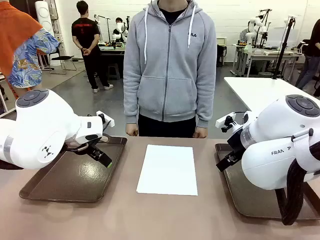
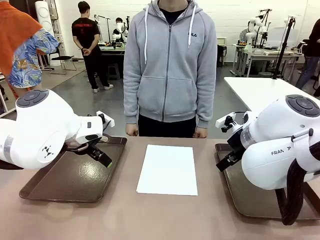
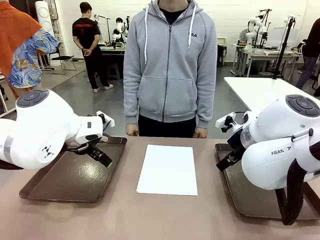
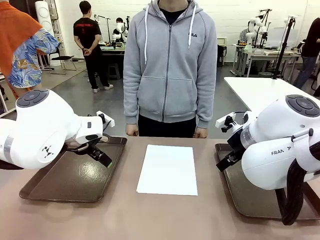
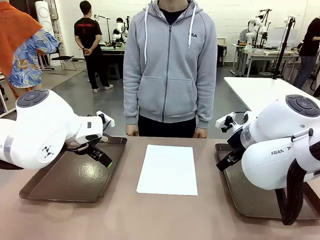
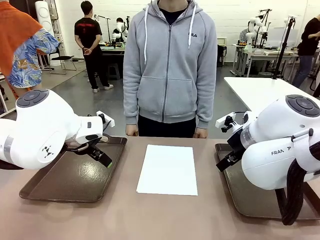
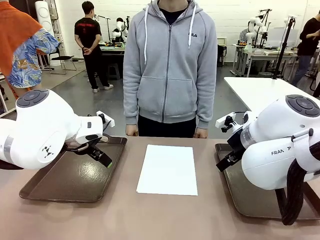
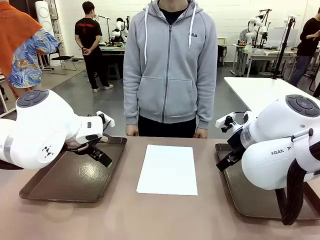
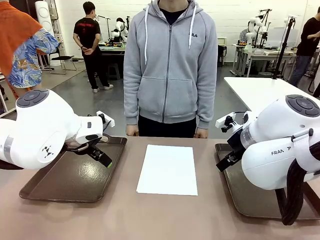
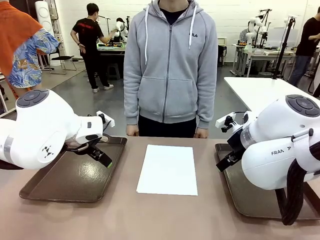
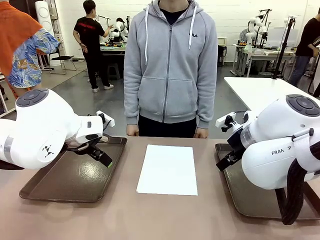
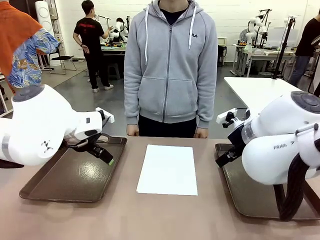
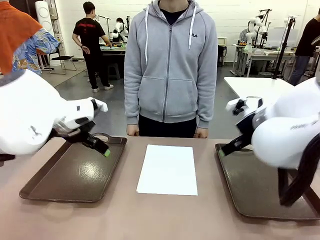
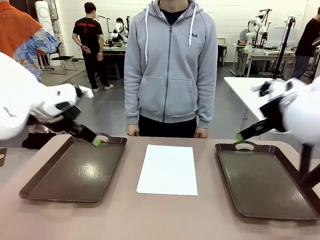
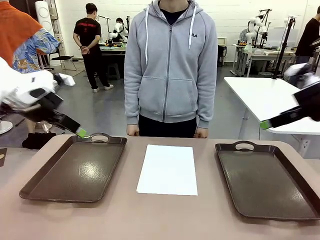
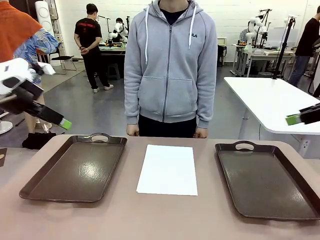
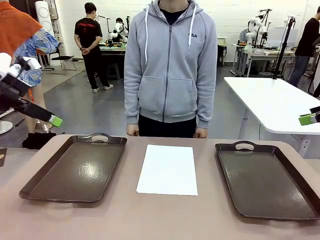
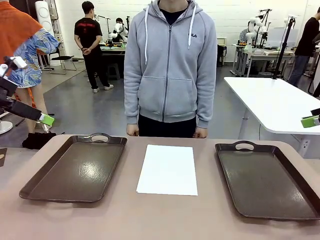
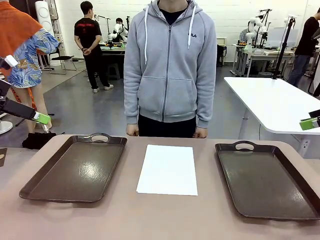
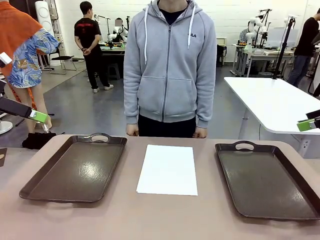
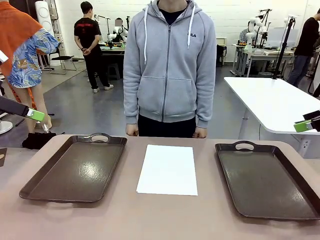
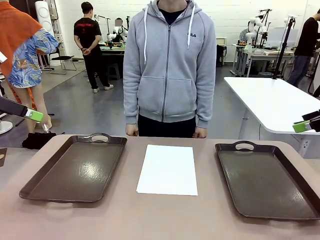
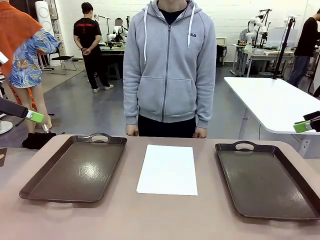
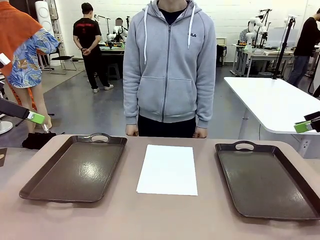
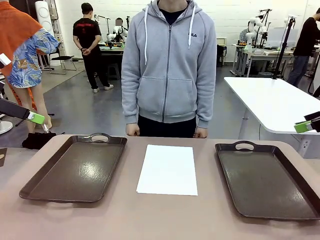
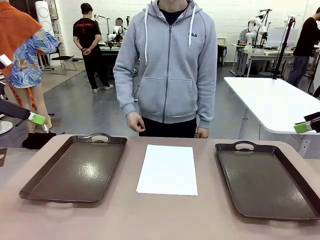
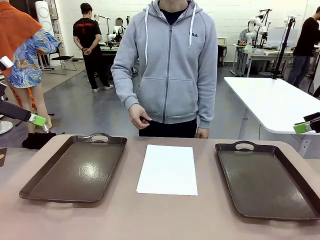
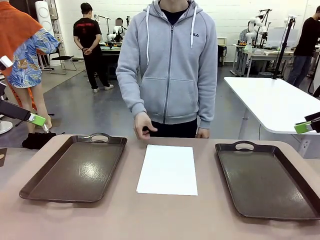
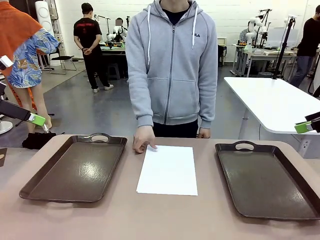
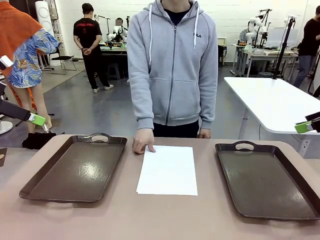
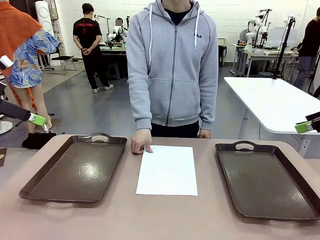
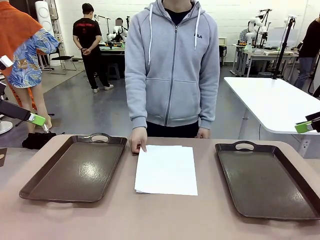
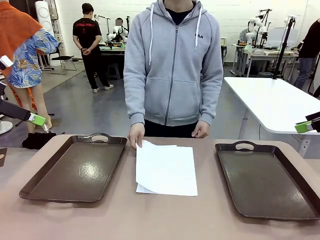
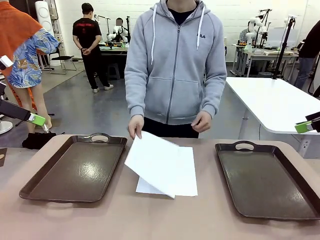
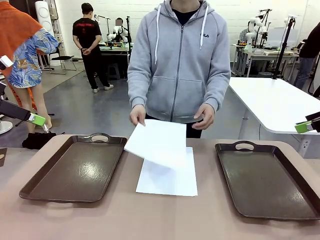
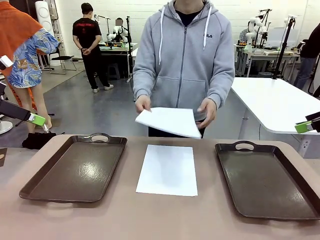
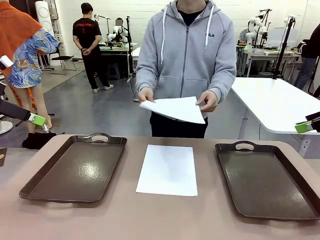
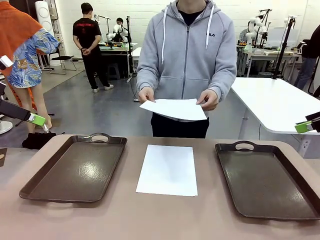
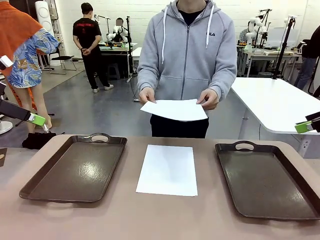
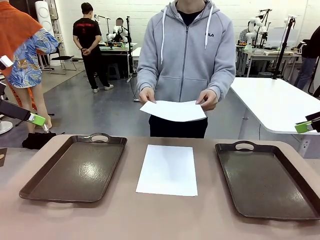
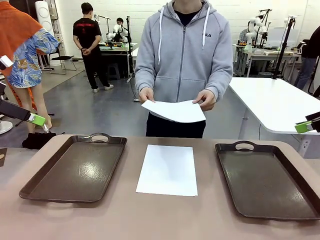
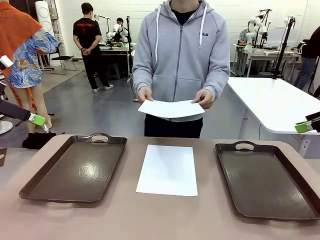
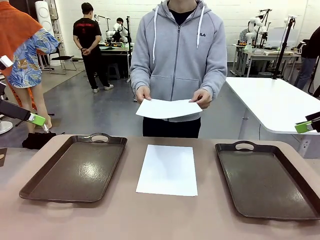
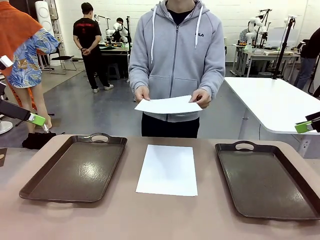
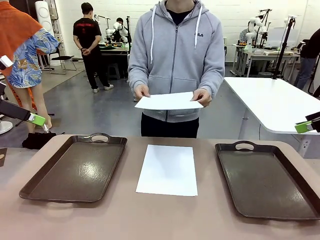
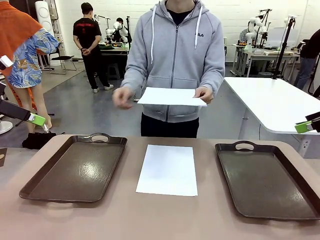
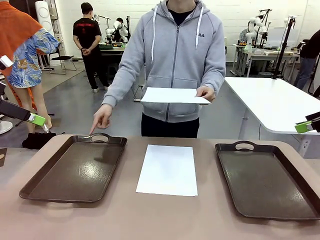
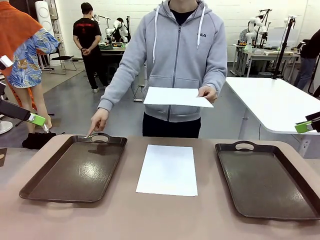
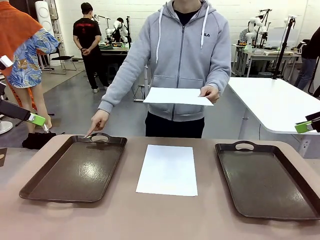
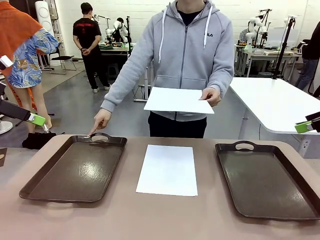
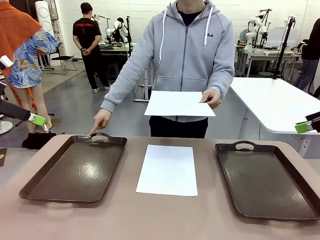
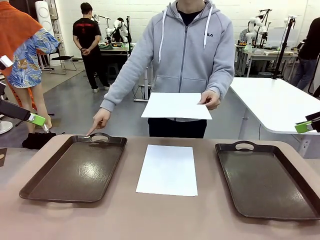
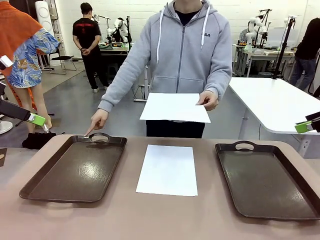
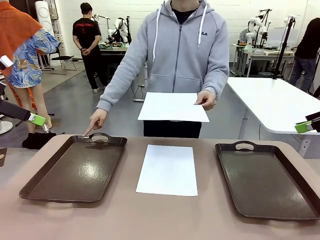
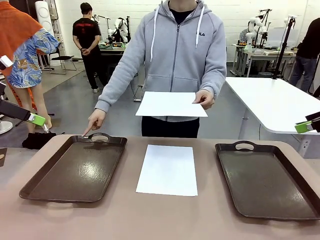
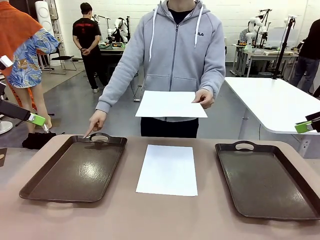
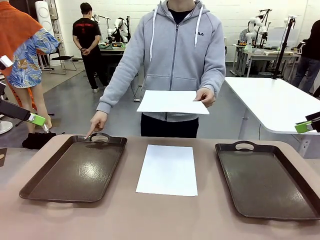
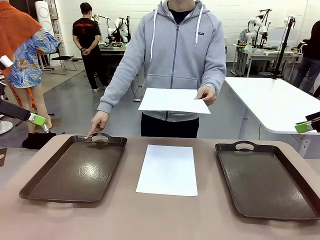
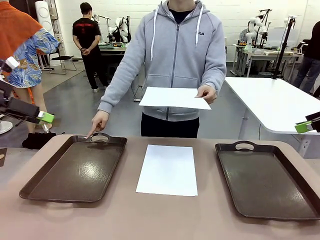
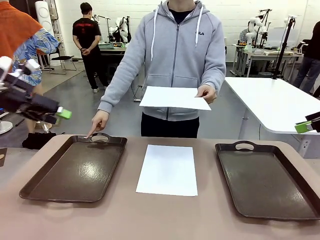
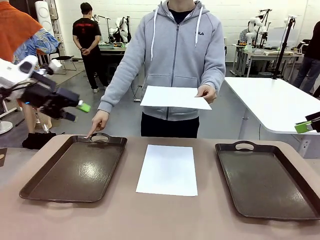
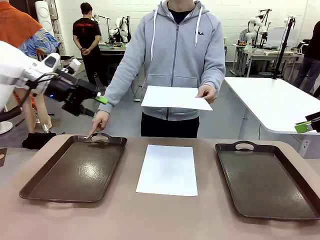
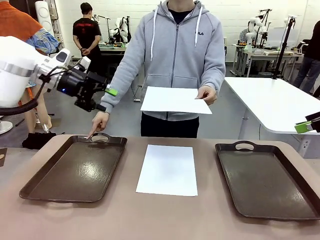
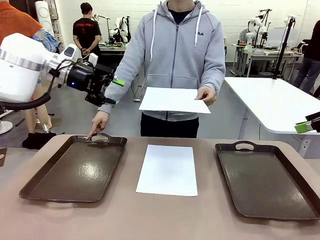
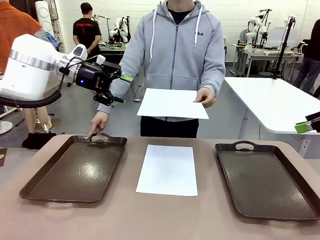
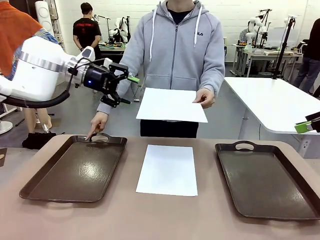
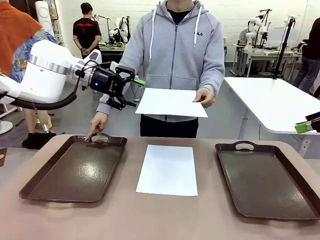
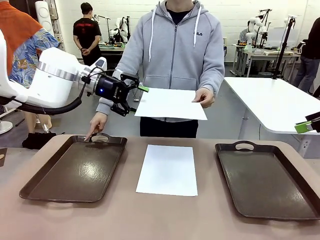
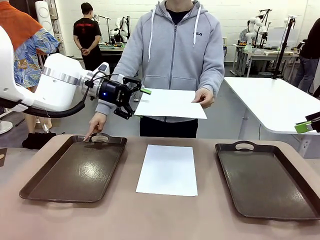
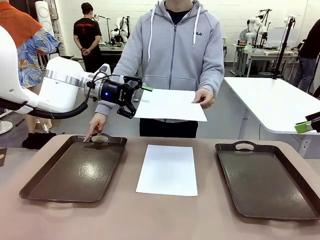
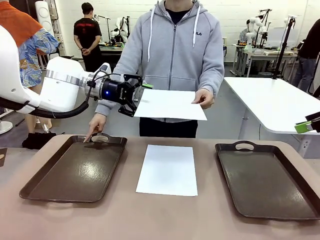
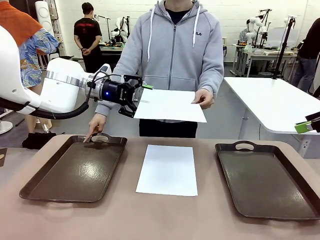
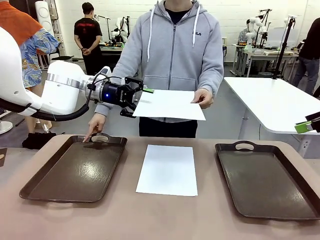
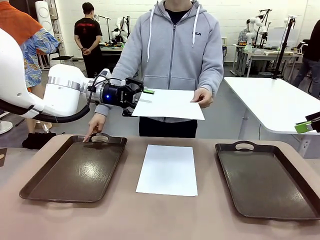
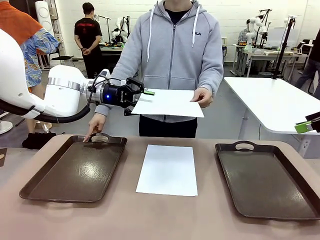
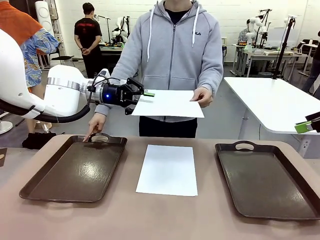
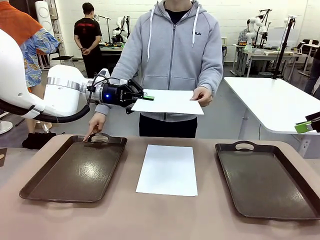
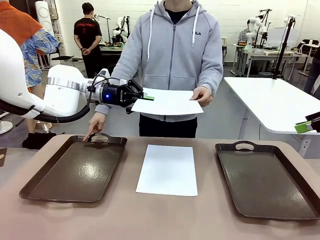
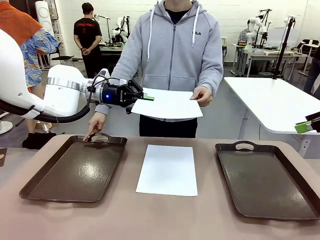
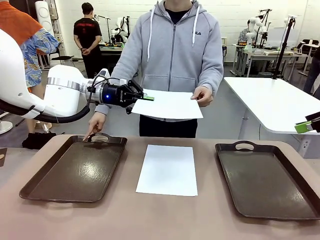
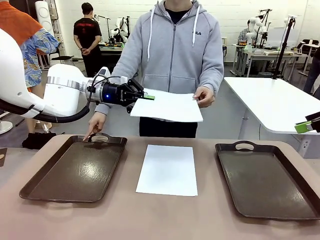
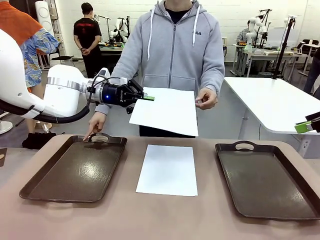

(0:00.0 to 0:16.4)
Task: Sort the A4 documents.
Robot: Receive the A4 Paper.
Person: Pick up a sheet of paper from the center of the table and hand it to the robot. Point the randomly selected tray with the other hand.

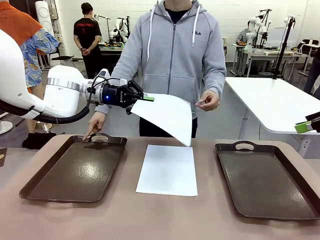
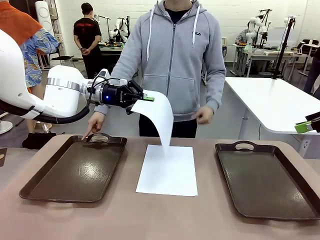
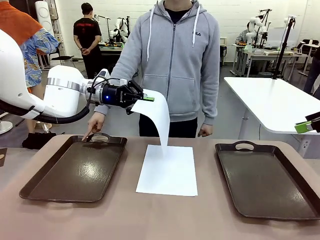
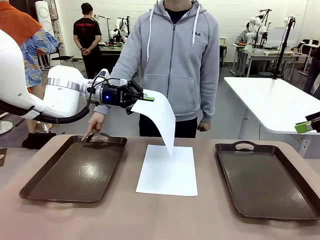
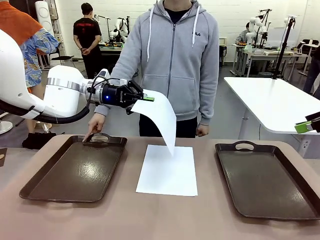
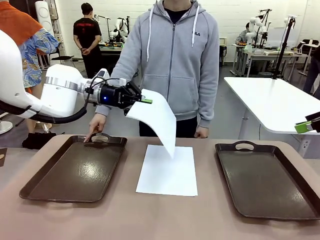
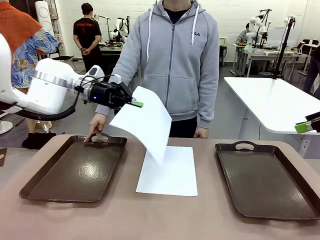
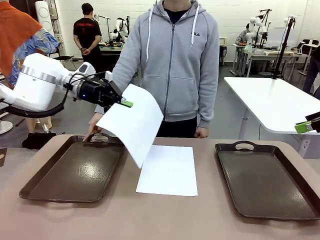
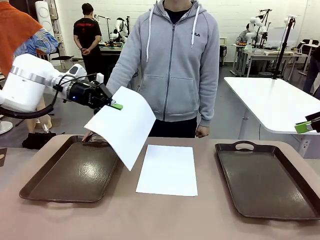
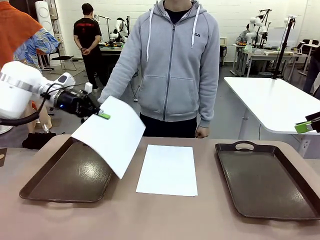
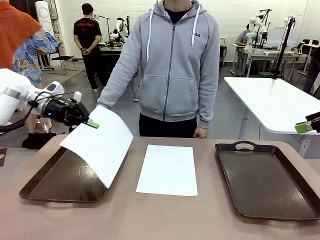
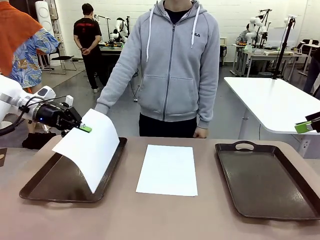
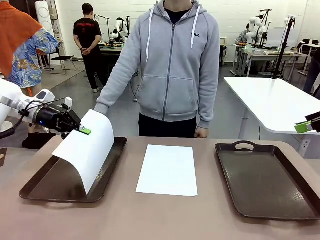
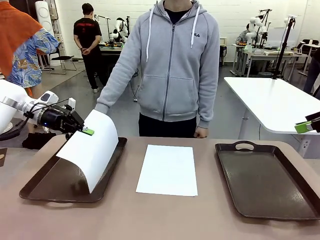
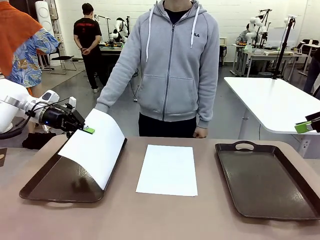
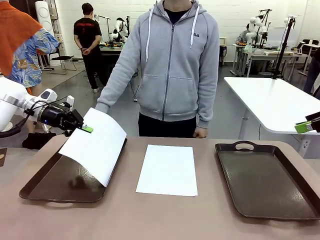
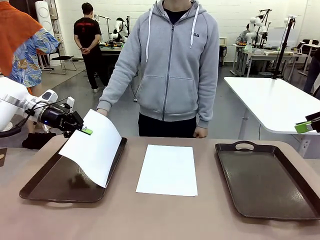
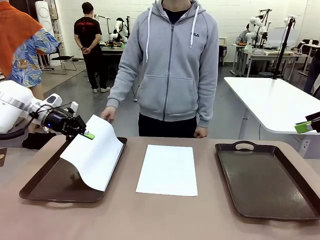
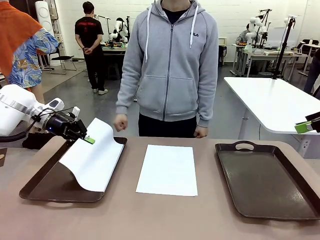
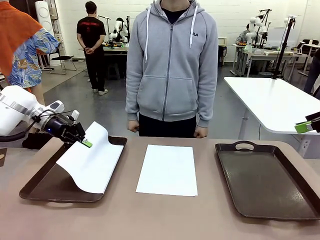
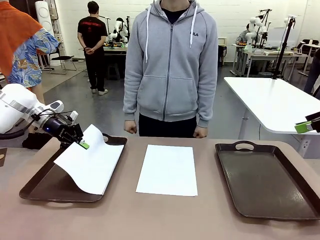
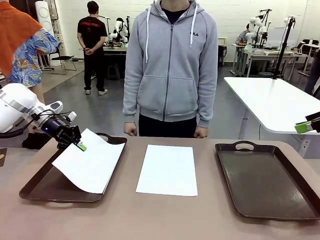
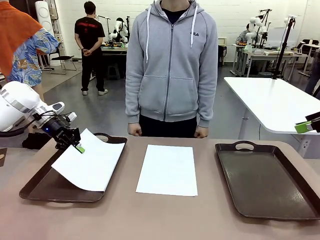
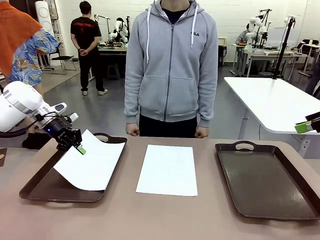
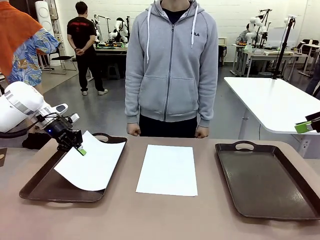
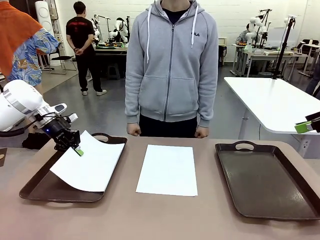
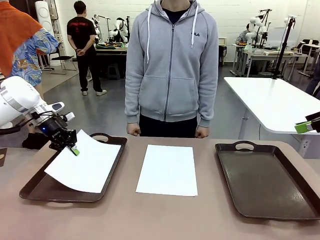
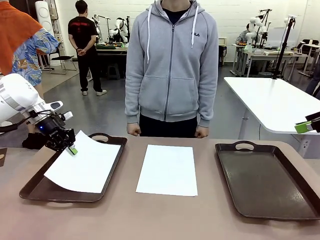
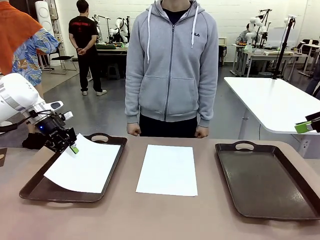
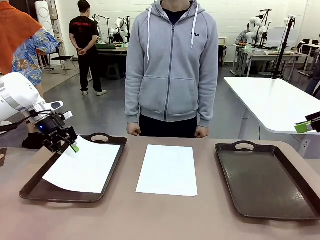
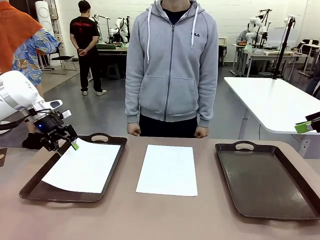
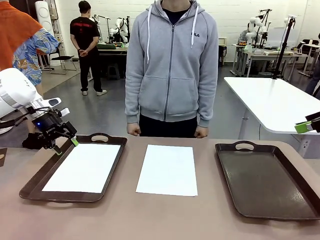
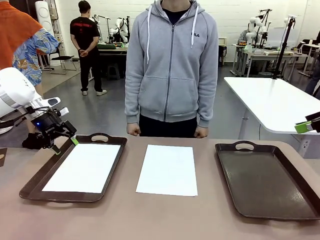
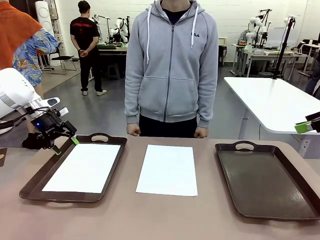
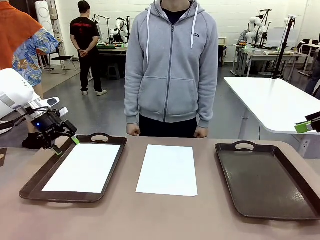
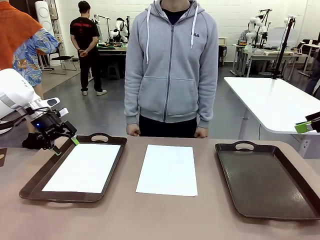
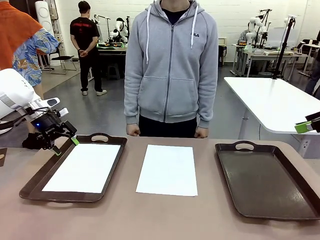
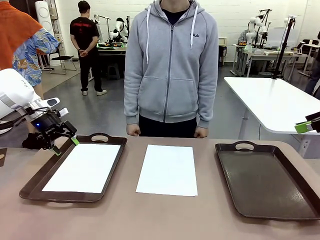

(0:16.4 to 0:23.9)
Robot: Place the A4 Paper in the designated Handle tray.
